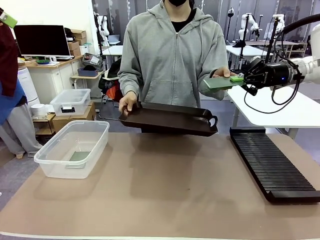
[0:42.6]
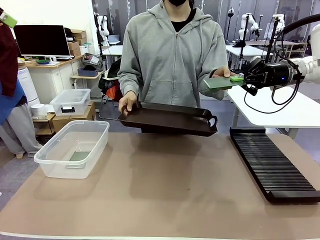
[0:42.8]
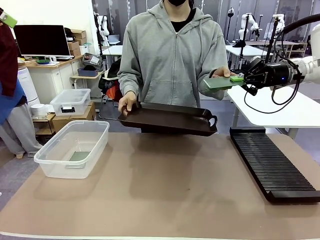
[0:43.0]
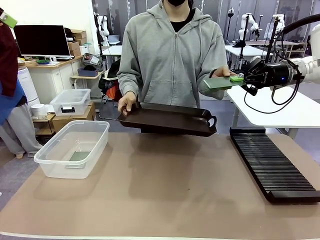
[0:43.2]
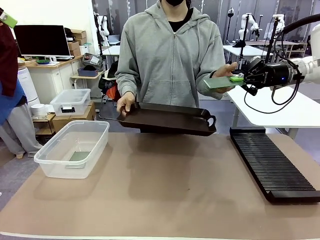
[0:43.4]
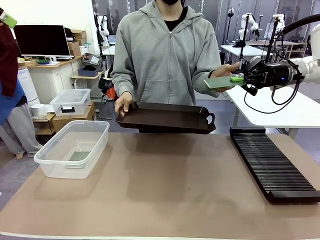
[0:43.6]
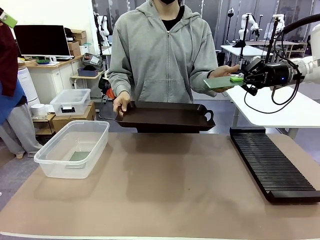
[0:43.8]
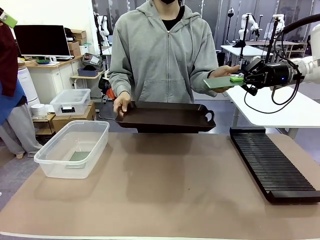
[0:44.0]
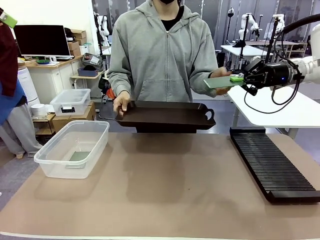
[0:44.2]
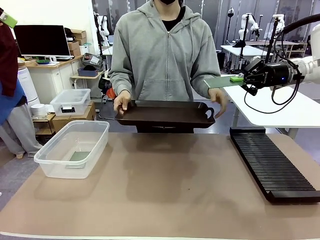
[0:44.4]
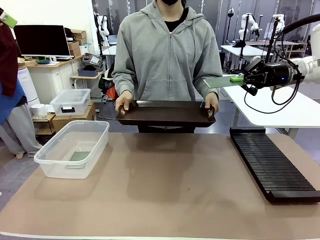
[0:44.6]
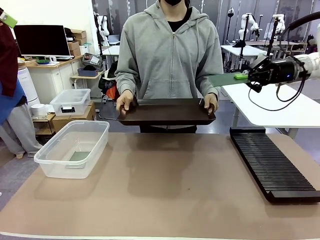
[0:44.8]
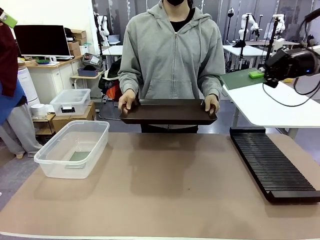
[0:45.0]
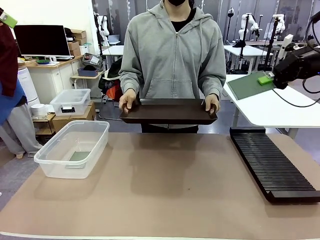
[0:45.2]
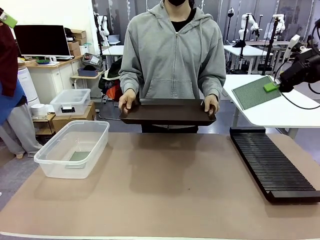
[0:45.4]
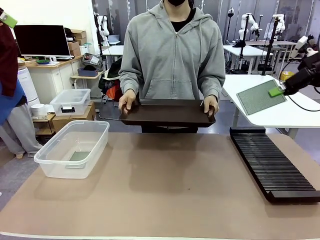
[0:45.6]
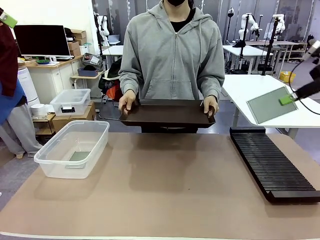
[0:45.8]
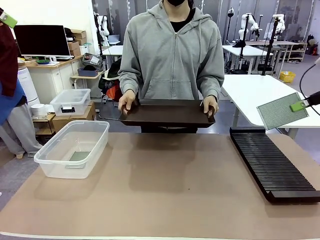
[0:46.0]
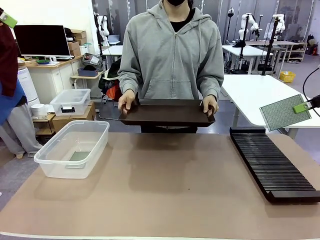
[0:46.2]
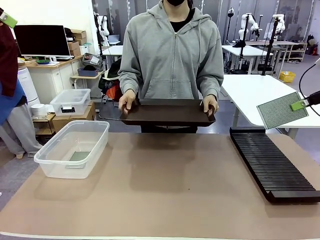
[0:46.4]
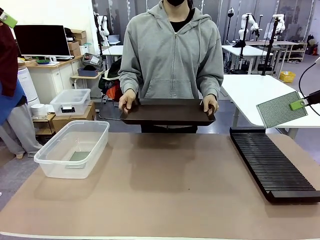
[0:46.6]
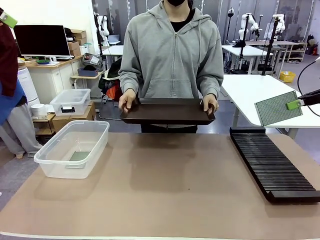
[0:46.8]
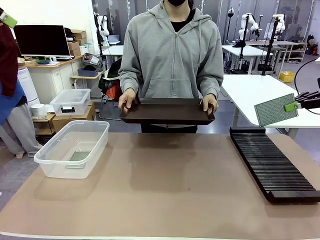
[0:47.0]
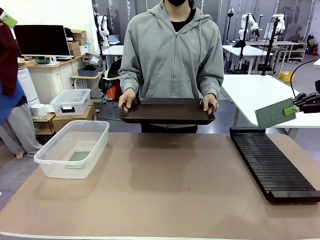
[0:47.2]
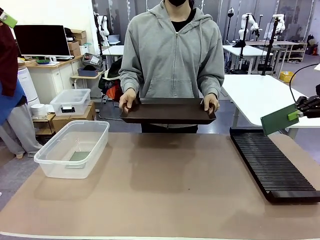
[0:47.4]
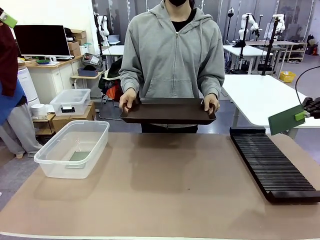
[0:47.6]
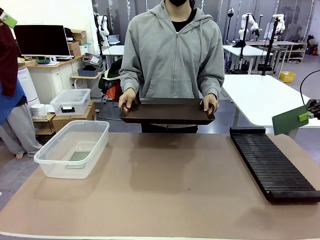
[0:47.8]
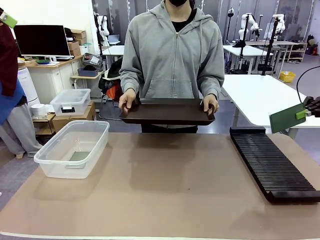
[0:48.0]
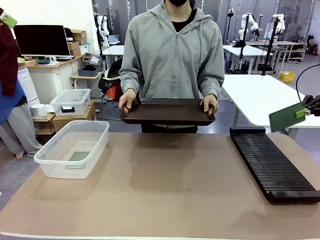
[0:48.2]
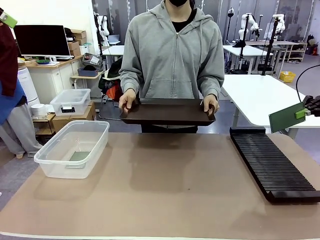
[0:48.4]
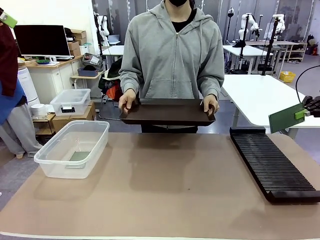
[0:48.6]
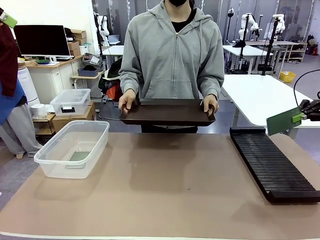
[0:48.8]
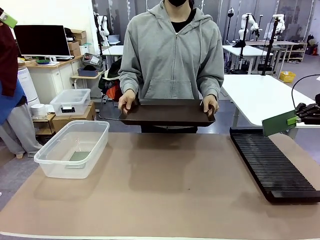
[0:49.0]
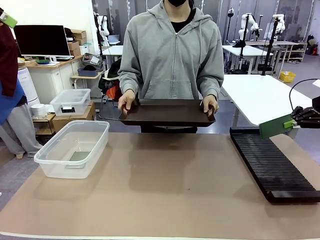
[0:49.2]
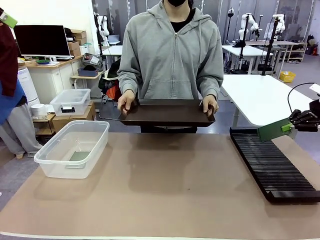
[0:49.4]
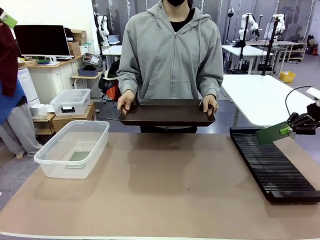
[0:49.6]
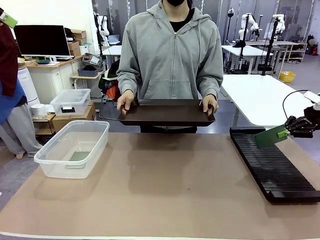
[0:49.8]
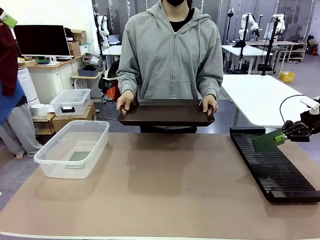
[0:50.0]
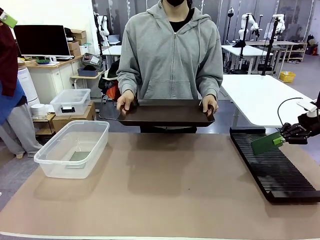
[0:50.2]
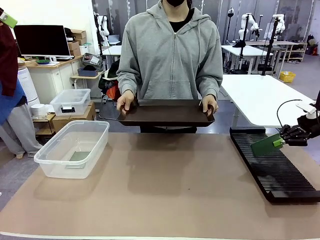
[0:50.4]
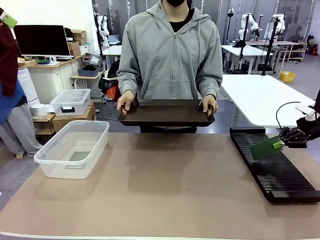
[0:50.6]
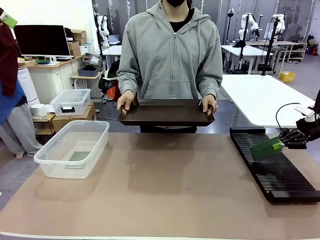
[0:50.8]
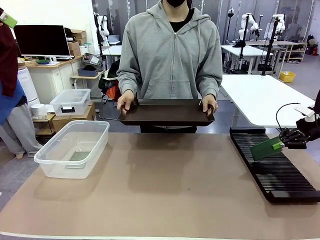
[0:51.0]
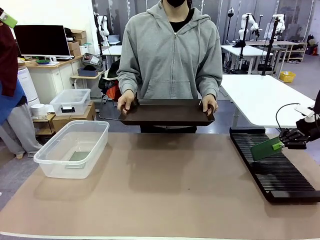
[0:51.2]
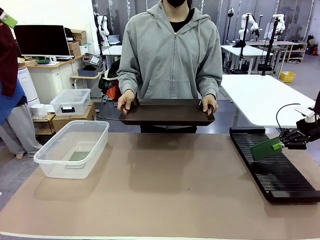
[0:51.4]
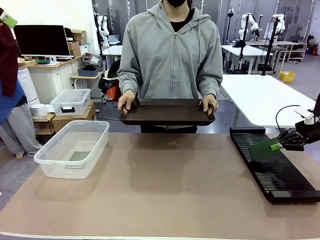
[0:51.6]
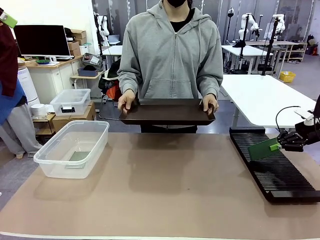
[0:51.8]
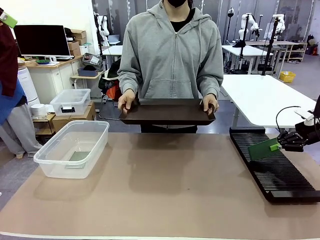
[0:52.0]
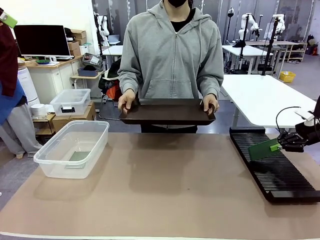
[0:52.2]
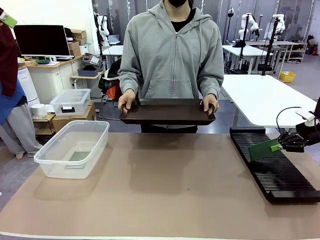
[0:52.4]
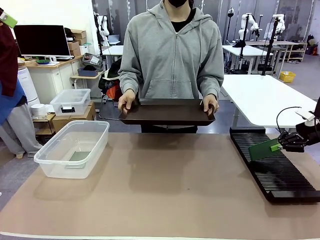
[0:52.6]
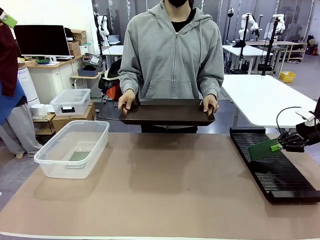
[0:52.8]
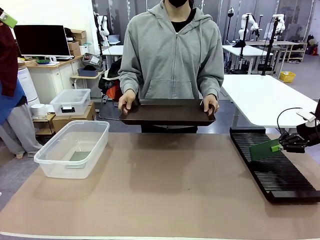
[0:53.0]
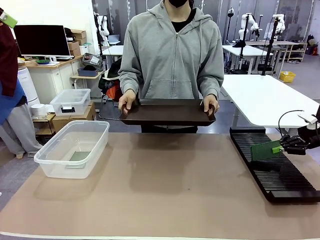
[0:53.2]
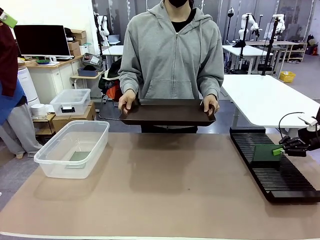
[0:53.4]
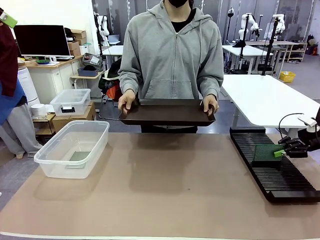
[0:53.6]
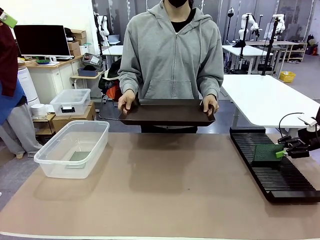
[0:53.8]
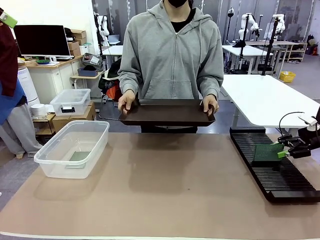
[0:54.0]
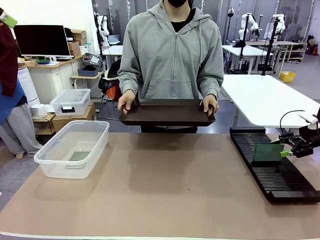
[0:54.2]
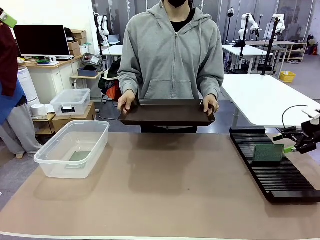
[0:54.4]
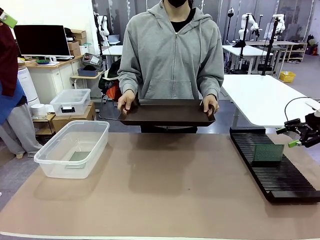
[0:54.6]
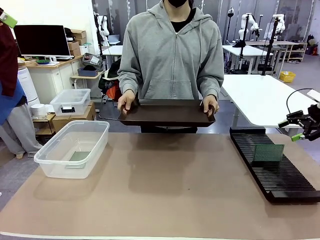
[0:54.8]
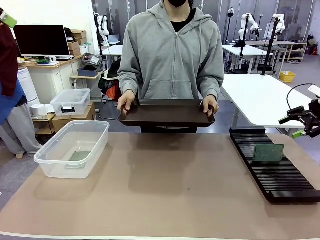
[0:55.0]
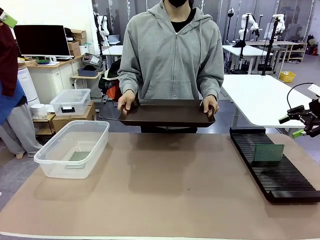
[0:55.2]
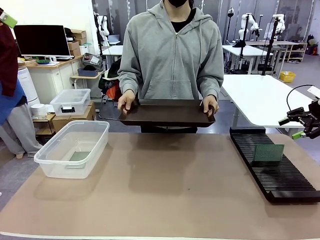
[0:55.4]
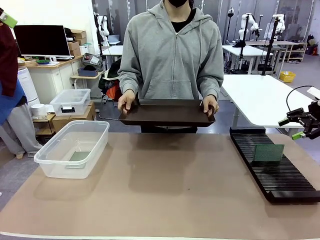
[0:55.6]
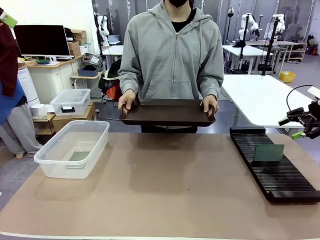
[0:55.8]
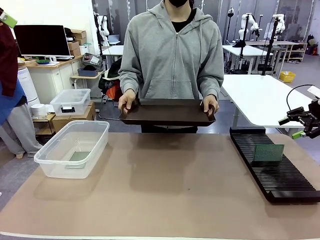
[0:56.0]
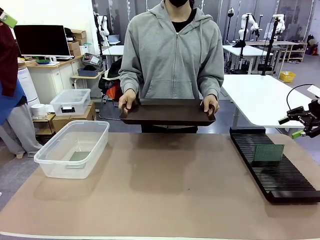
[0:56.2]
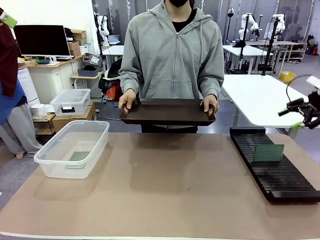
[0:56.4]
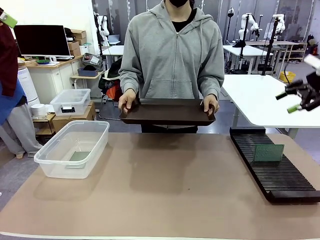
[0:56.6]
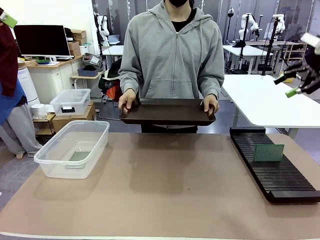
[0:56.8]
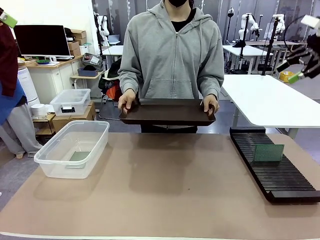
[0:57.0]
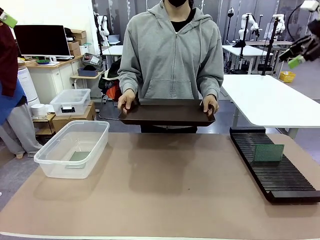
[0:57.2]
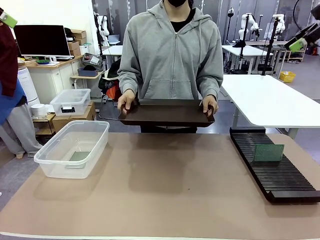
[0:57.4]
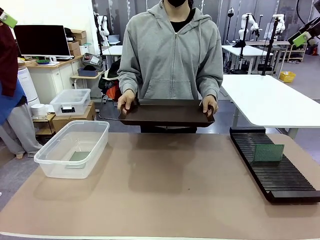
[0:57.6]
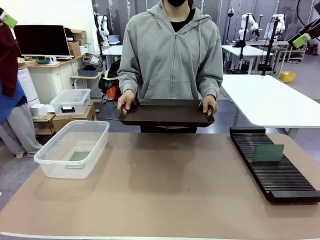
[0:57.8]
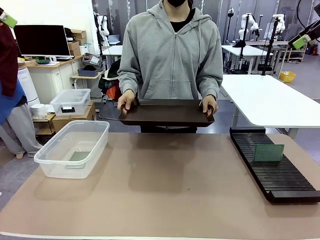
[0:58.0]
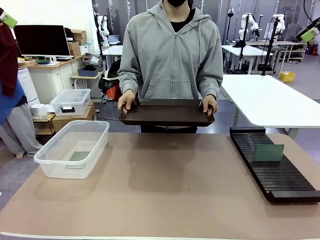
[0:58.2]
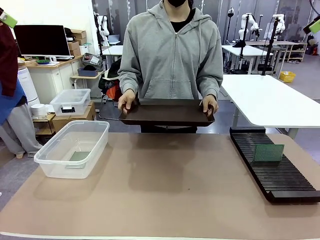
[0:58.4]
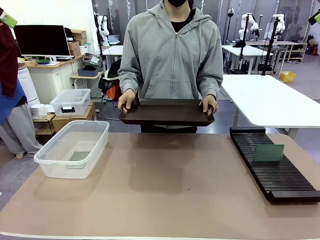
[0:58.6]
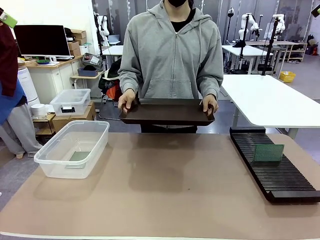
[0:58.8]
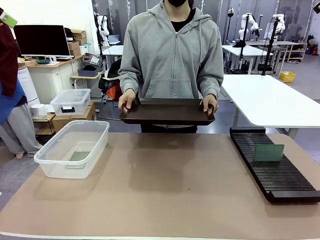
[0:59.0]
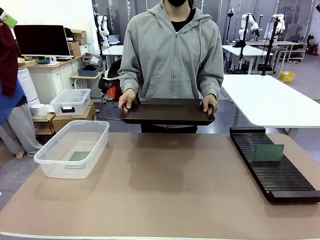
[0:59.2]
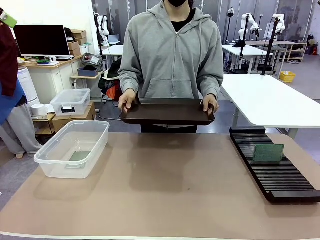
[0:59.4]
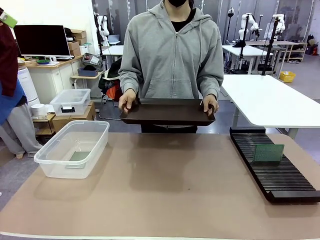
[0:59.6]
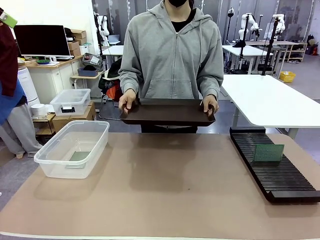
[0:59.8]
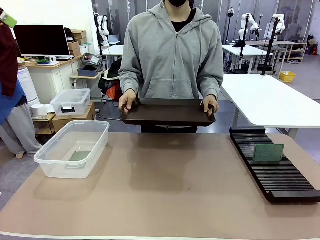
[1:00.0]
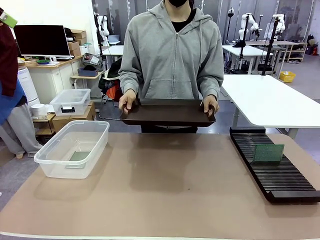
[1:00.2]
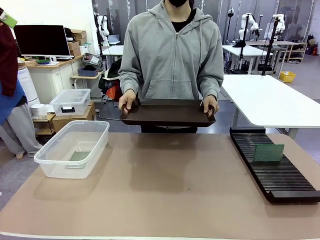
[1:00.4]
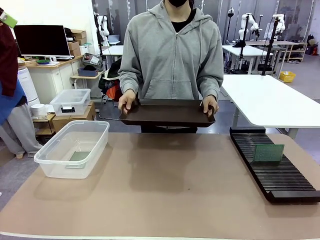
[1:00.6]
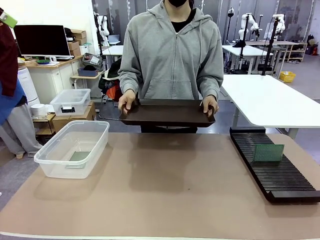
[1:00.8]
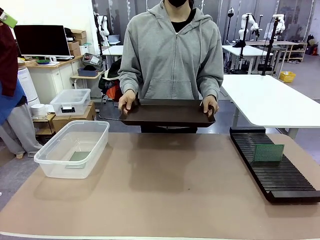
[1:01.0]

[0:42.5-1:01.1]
Task: Sort PCBs into racks and boxes based on the side picked up.
Robot: If the short side of the Blank PCB is picked up, insert it into the PCB Rack ; if the long side is picked up, place it in the Organizing box.
Person: Release the PCB being held.
